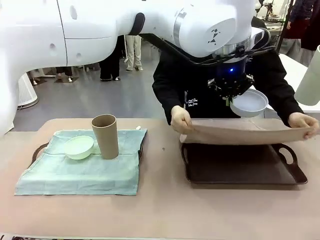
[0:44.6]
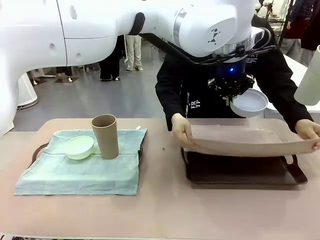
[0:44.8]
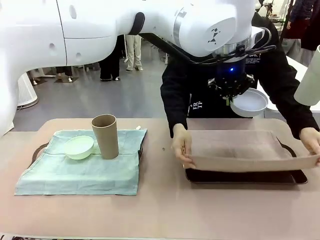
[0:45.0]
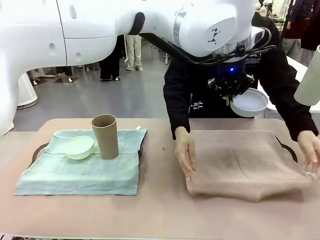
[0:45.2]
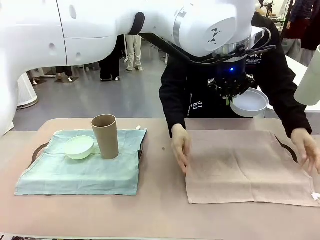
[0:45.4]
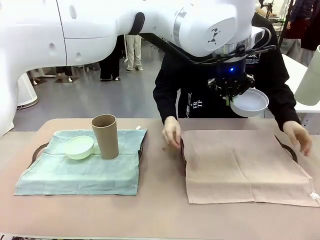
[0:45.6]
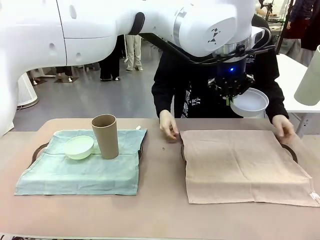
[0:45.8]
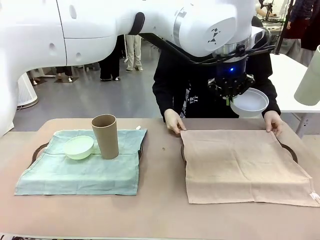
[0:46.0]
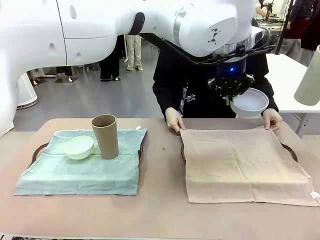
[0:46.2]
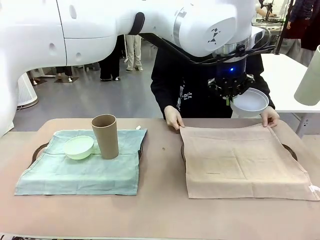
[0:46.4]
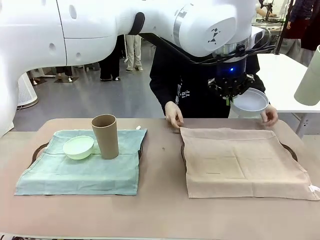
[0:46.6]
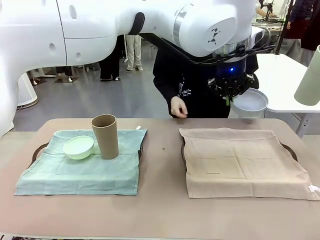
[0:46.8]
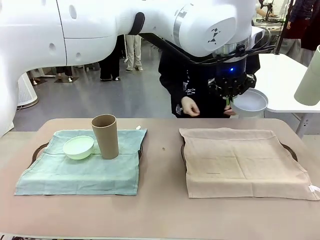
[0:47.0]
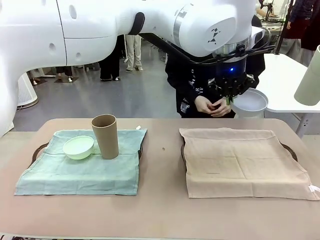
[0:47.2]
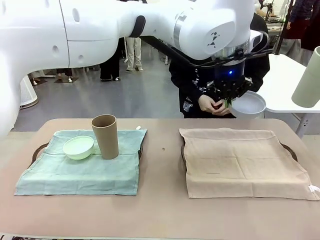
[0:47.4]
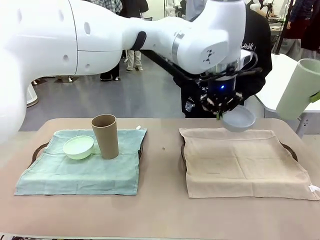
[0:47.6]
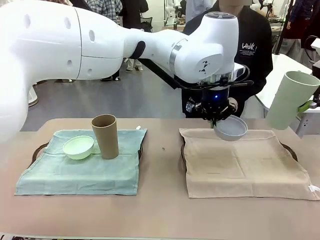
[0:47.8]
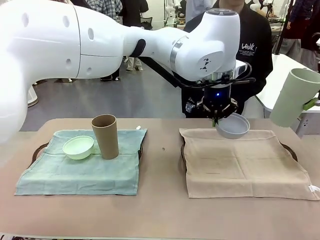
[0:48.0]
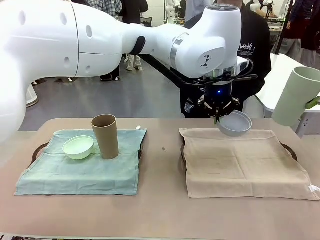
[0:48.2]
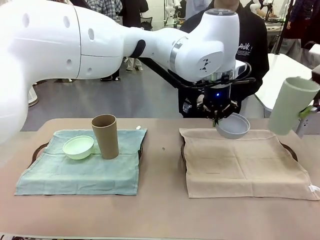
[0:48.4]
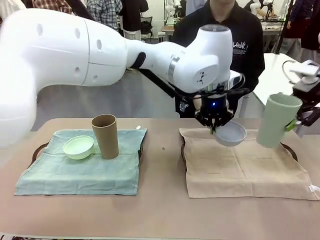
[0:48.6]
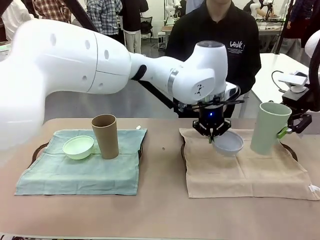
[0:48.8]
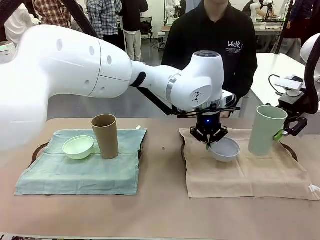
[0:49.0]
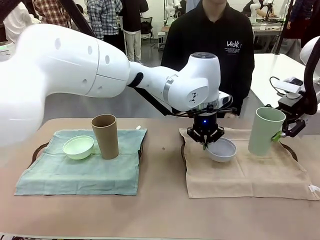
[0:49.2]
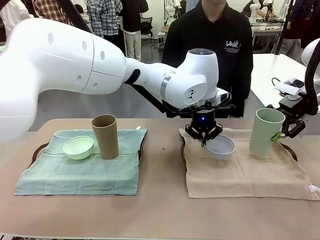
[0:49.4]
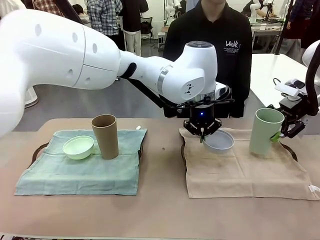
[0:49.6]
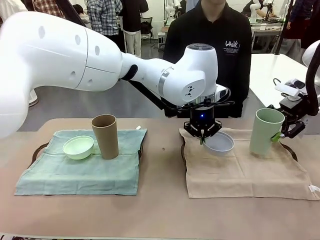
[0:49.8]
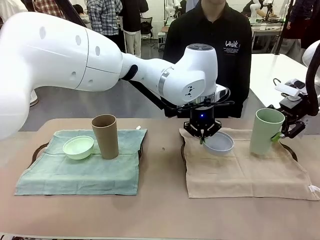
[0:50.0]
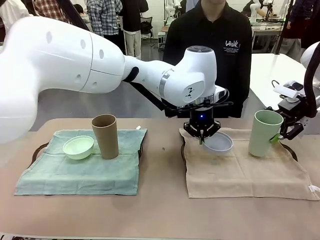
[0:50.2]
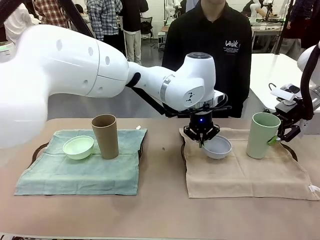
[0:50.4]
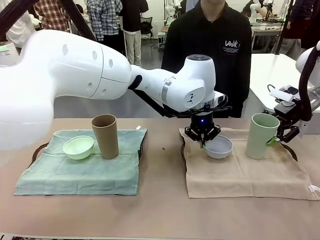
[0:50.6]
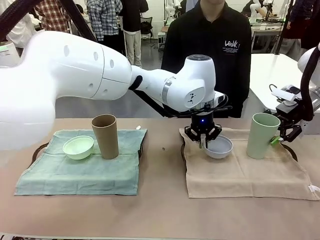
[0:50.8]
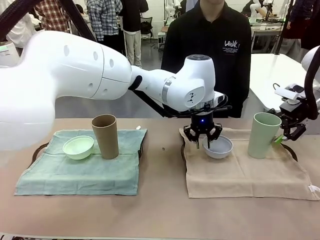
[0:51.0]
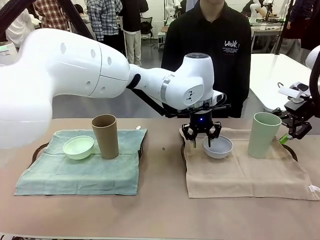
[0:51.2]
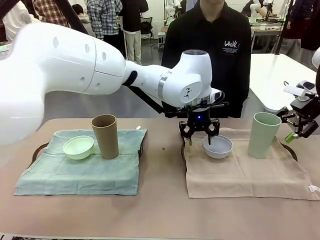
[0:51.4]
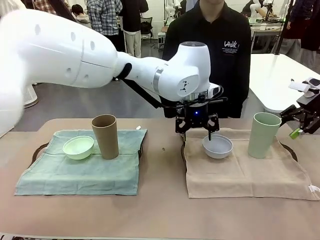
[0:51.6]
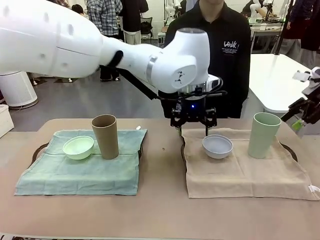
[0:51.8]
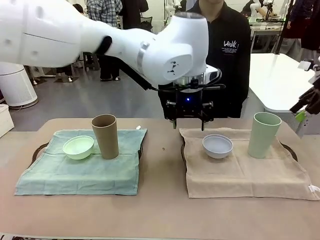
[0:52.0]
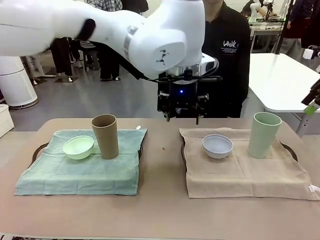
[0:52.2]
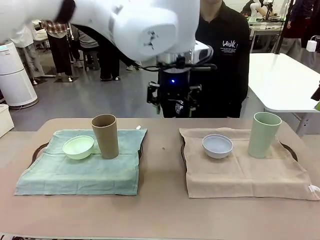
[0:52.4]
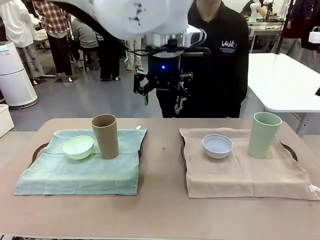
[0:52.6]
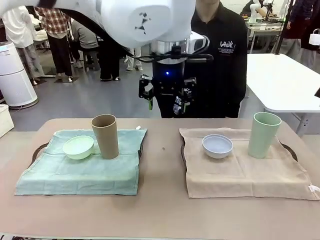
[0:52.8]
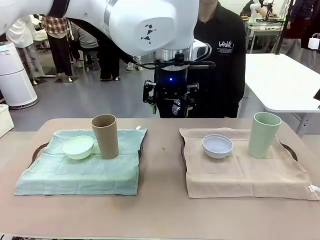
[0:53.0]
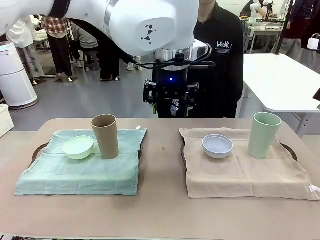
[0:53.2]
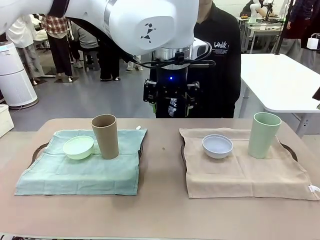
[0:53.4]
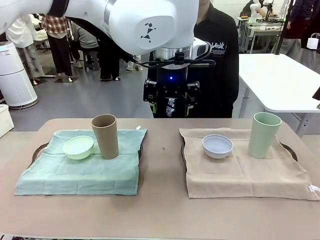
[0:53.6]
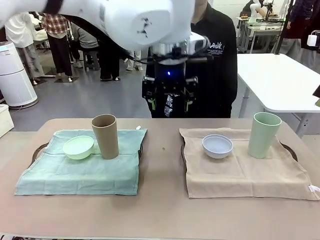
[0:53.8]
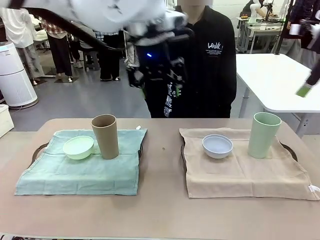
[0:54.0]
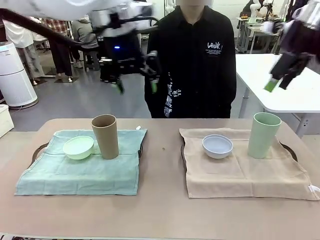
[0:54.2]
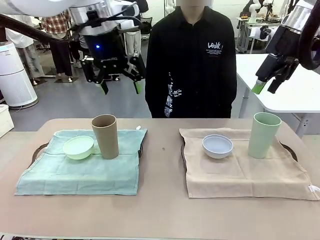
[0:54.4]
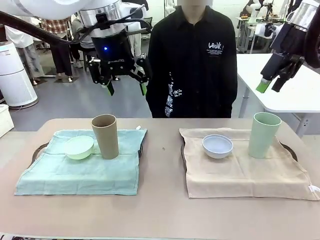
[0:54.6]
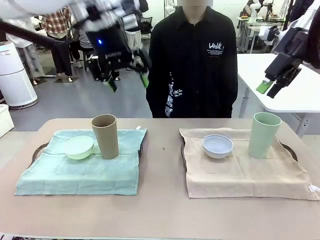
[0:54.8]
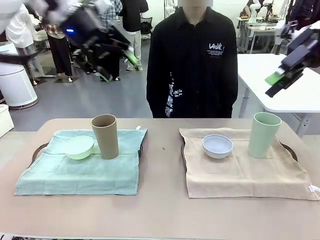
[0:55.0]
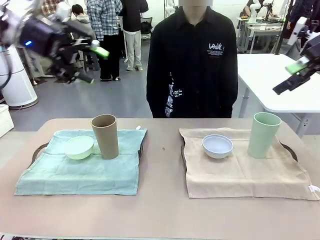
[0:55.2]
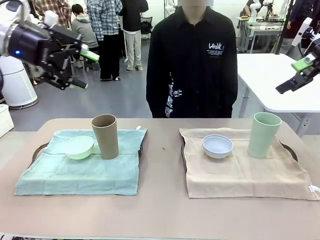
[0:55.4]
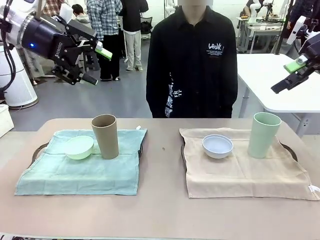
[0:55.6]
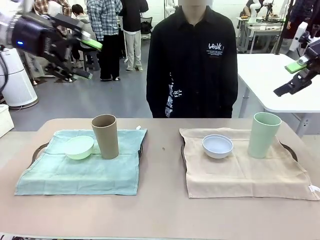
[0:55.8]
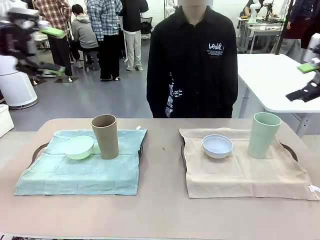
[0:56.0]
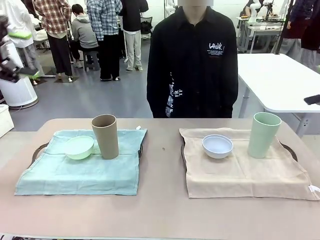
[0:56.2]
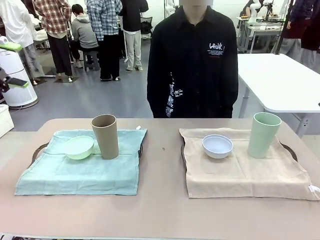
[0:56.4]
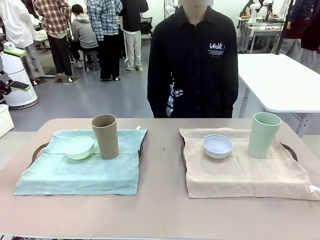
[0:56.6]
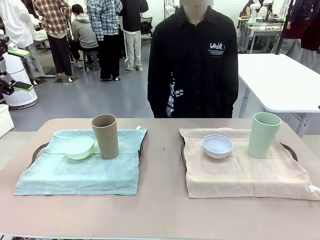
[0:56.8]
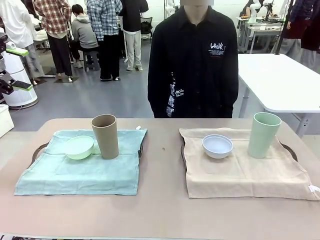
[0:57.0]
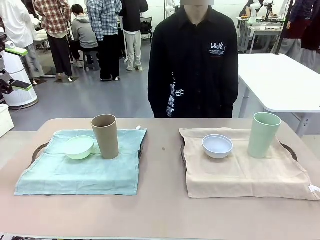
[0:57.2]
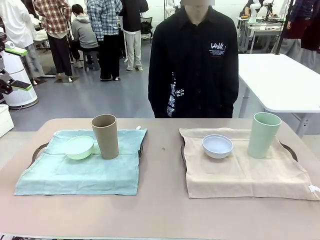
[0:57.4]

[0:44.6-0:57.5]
Robot: Place the Picnic Bowl and Reusable plastic cup back onto the Handle tray in front of the human's position.
Person: When the robot lifts the bowl and the cup, the human unfolds the napkin and lays the napkin flat on the tray.

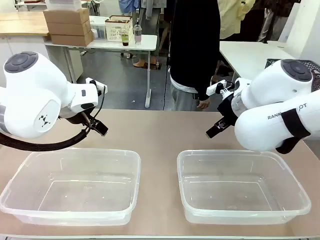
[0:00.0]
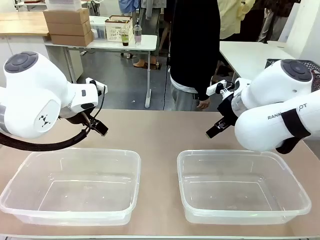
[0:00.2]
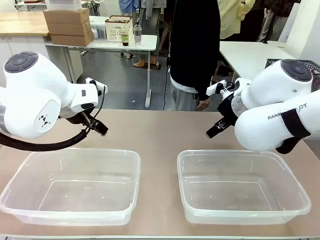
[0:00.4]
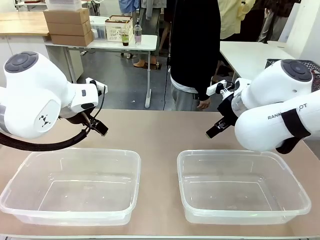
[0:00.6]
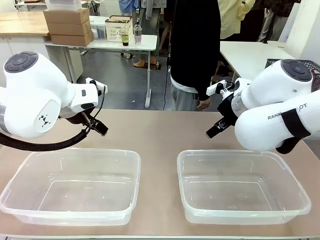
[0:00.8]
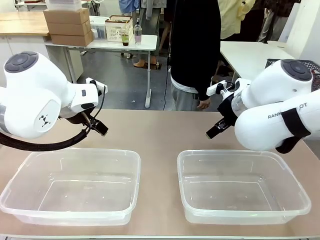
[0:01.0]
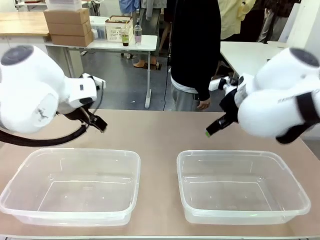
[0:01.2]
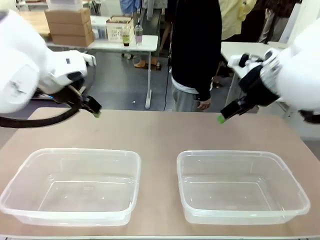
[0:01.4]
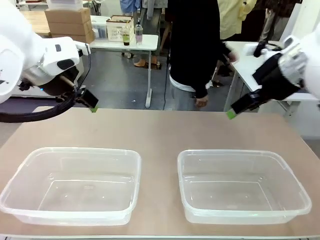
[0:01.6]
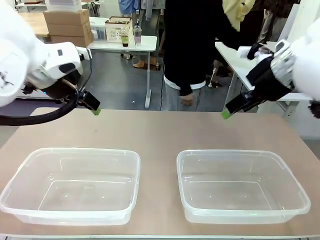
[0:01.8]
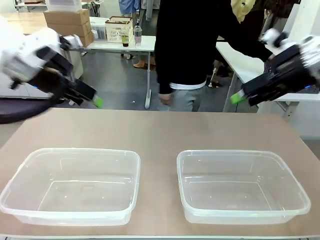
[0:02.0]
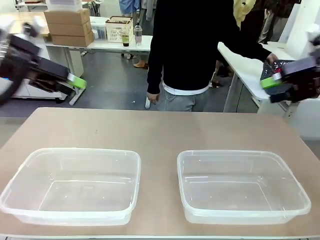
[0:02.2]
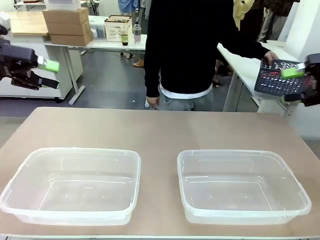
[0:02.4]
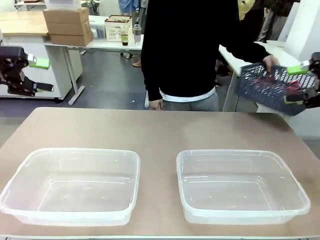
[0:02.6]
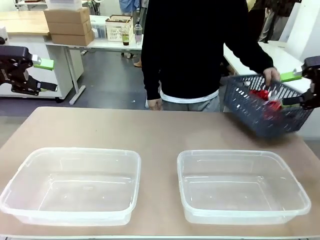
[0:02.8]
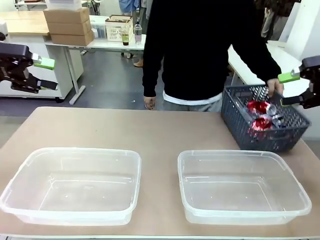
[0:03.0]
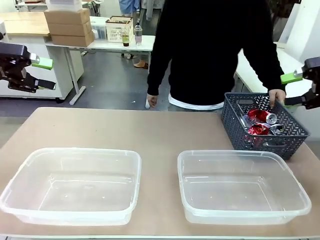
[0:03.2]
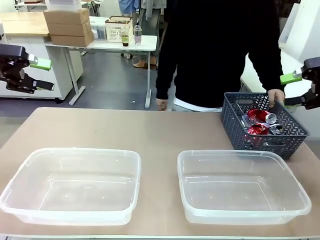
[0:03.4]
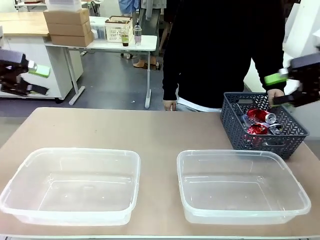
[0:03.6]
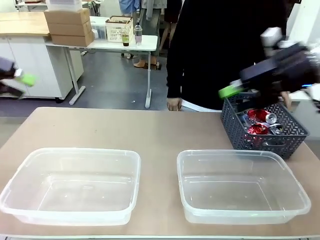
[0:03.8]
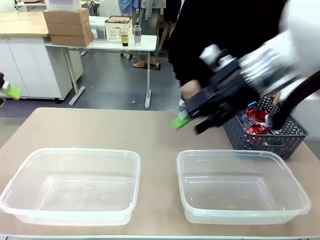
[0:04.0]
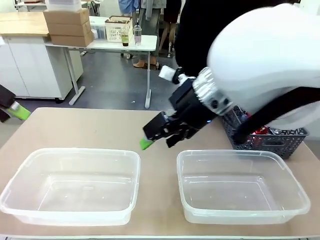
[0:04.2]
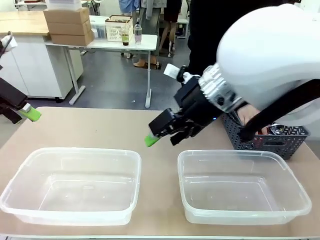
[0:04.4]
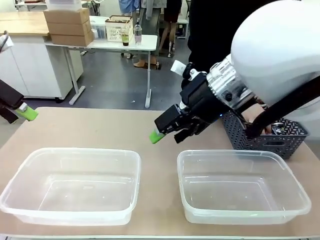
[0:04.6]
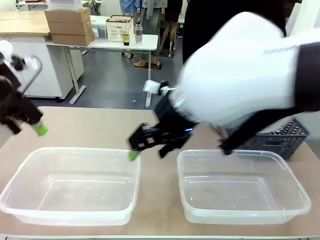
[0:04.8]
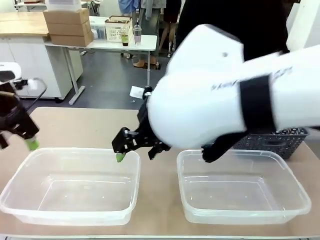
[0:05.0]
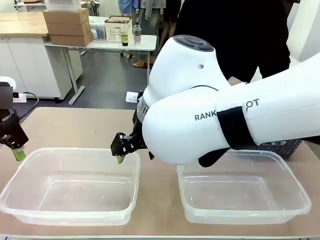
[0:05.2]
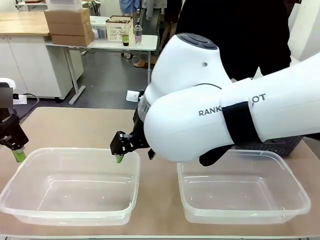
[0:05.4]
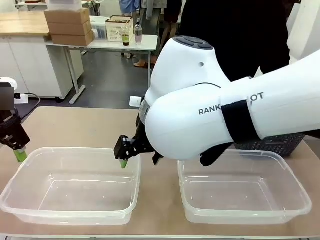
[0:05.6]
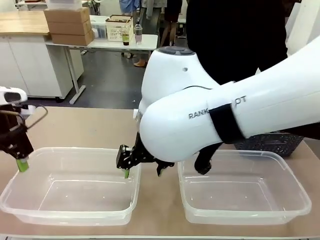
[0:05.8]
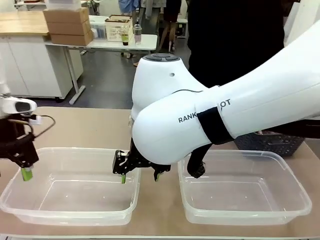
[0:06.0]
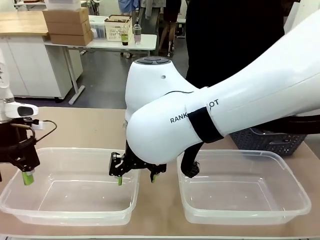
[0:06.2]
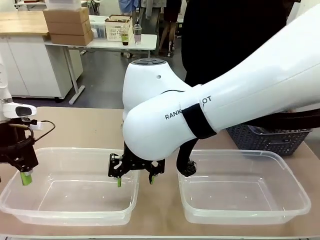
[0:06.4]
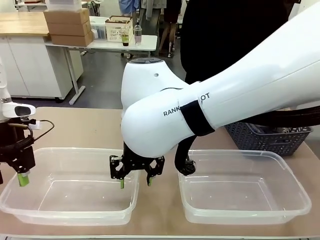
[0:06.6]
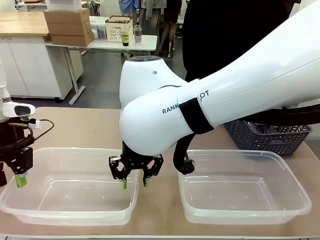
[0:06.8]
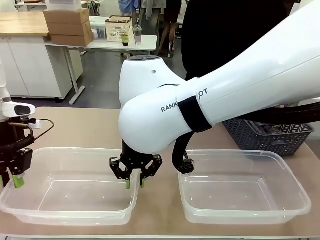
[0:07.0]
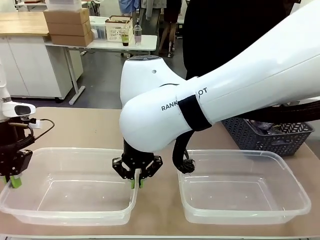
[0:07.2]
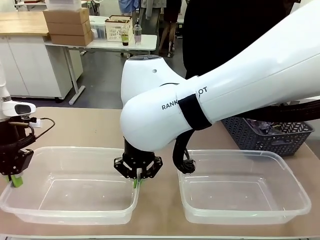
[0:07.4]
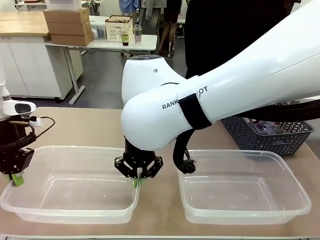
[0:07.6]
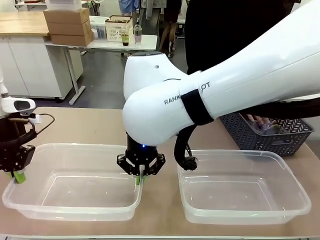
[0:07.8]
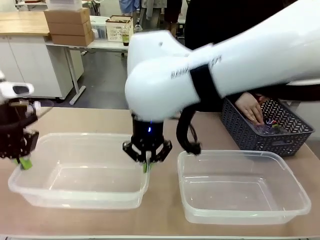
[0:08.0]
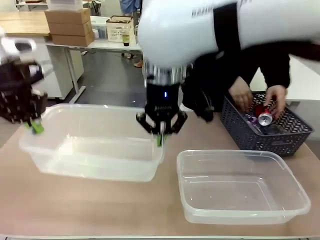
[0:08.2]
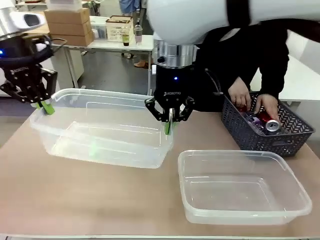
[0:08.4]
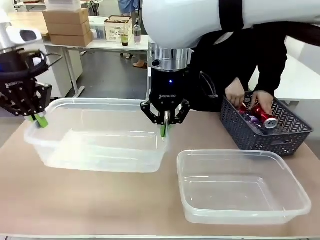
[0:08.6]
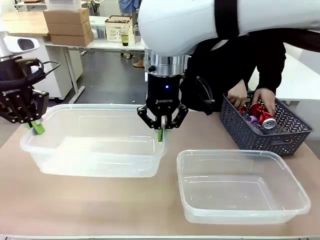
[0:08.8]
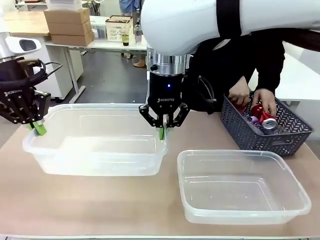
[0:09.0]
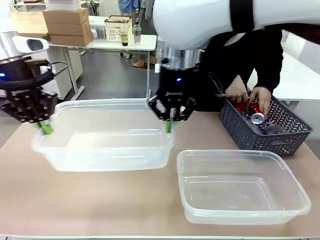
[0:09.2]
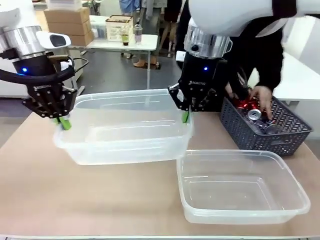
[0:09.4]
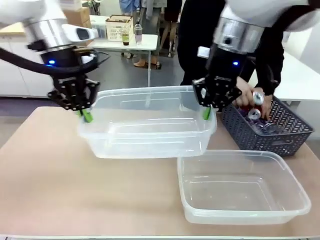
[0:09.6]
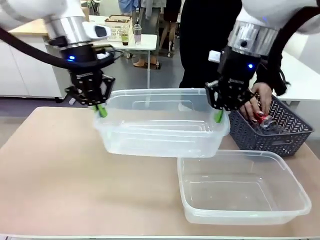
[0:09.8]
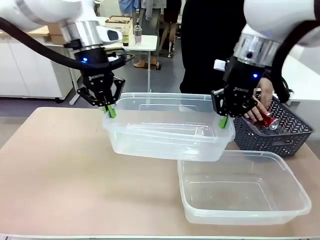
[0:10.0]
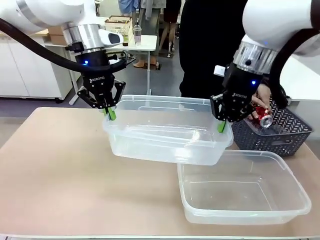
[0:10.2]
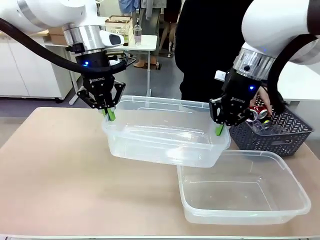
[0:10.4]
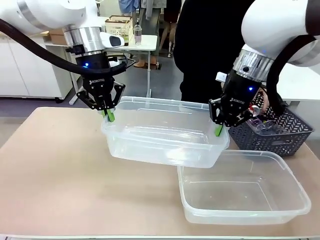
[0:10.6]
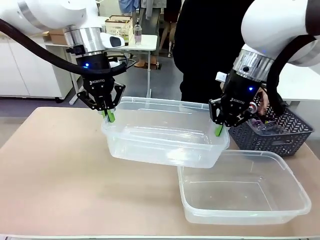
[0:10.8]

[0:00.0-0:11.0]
Robot: Pick up the Organizing box on the left side of the table and lift it.
Person: Pick up the storage basket and place it on the left side of the robot table. Pick up can-shaped waste one by one and place it into the organizing box lifted by the robot.
